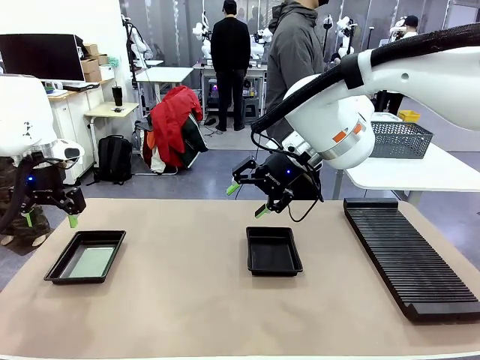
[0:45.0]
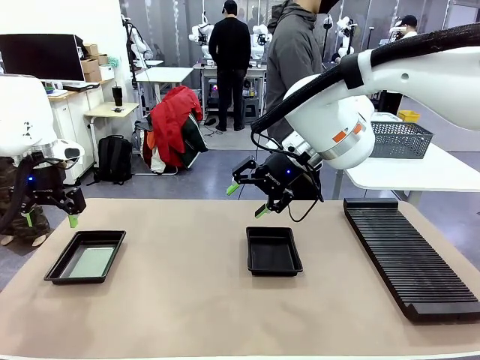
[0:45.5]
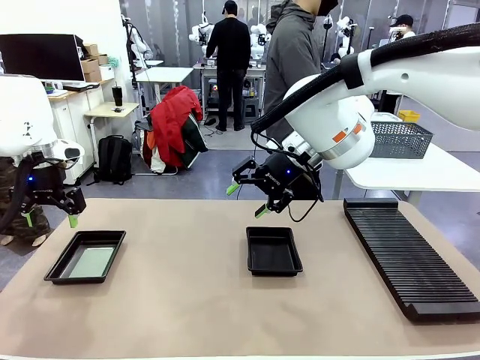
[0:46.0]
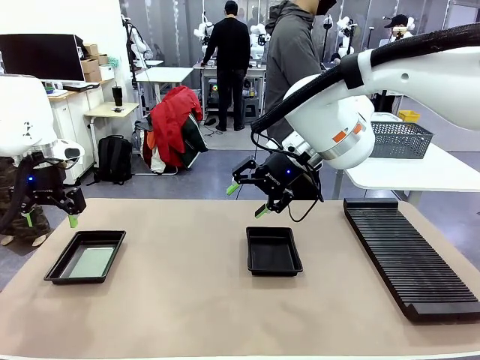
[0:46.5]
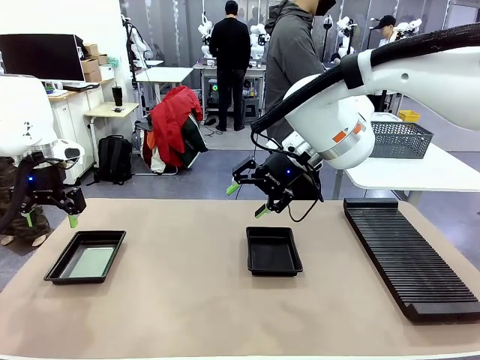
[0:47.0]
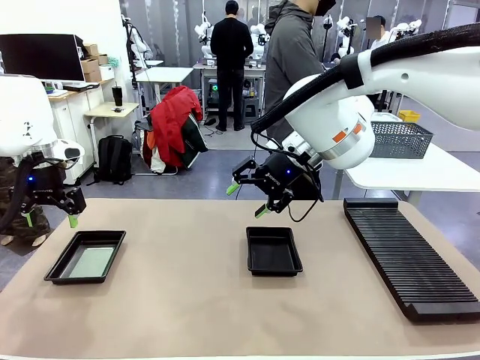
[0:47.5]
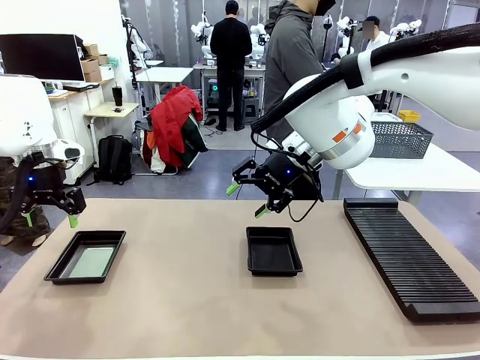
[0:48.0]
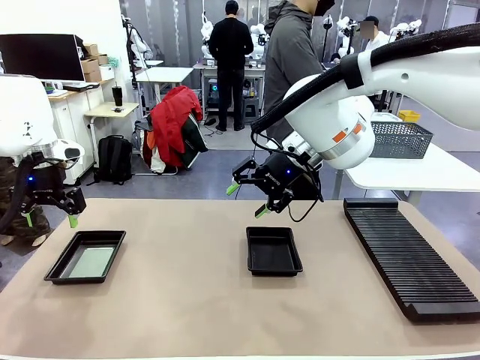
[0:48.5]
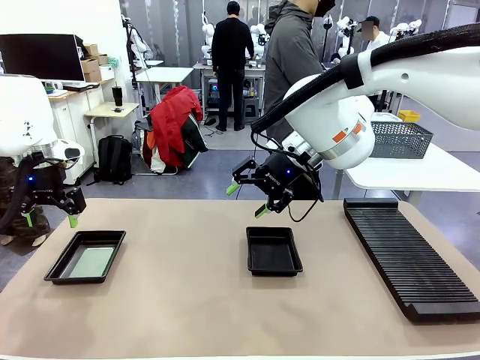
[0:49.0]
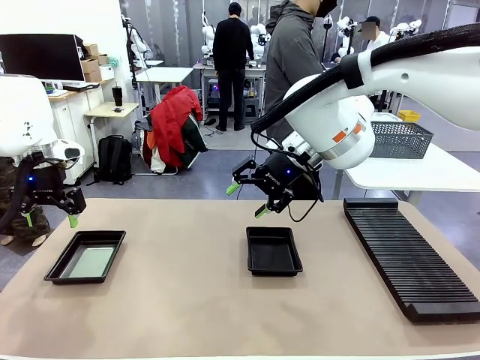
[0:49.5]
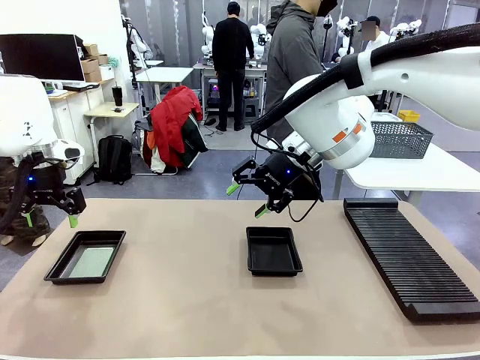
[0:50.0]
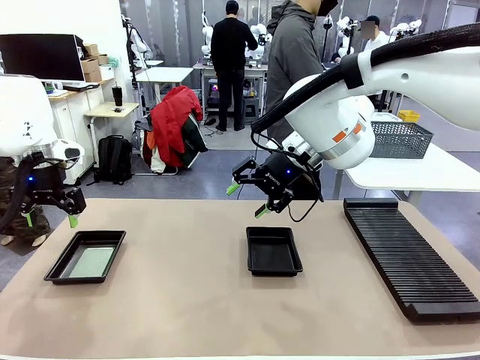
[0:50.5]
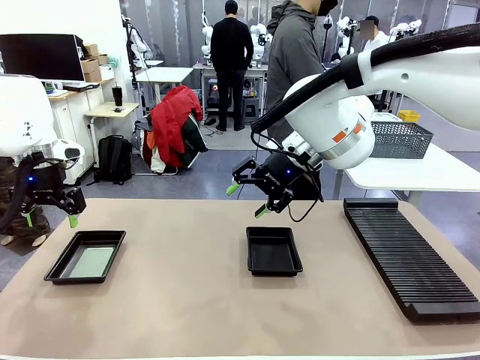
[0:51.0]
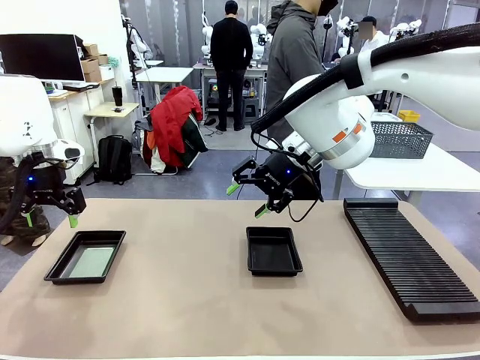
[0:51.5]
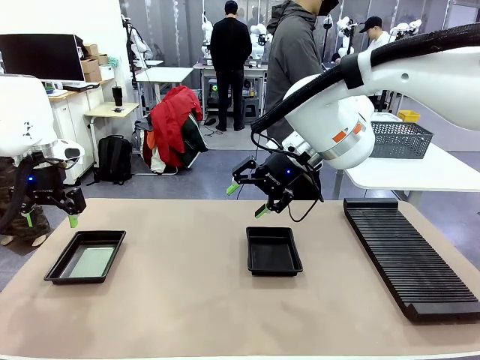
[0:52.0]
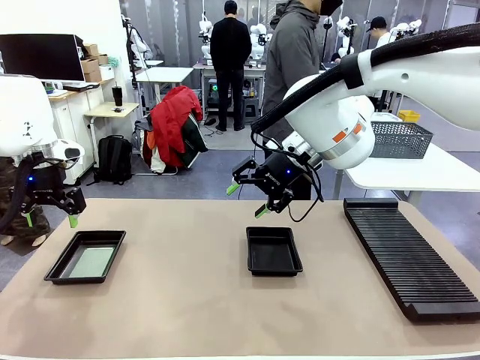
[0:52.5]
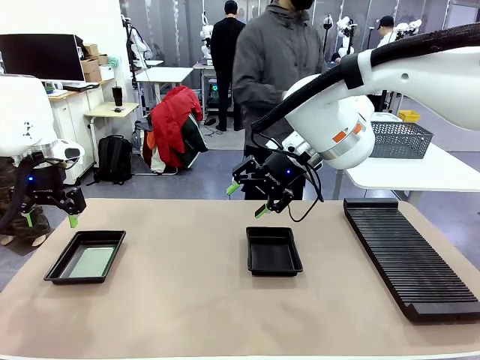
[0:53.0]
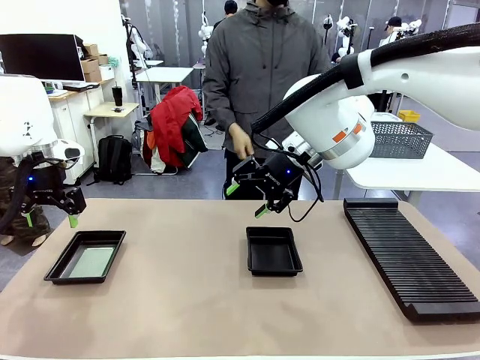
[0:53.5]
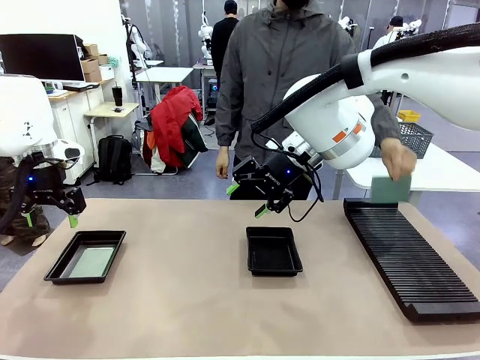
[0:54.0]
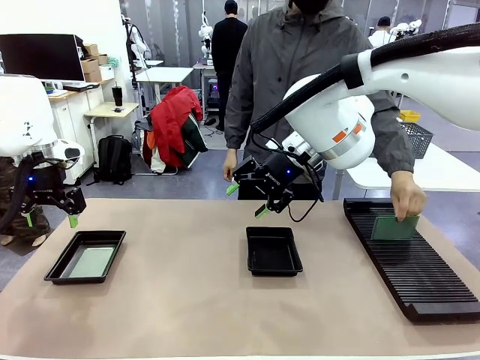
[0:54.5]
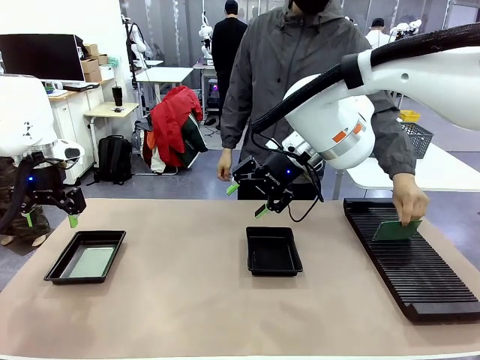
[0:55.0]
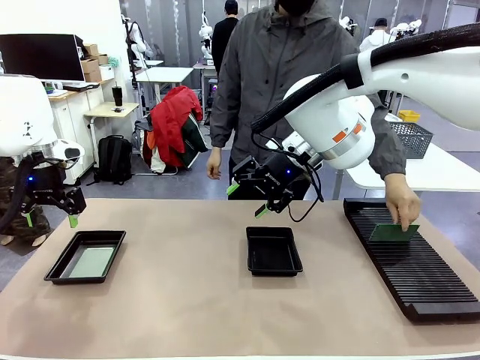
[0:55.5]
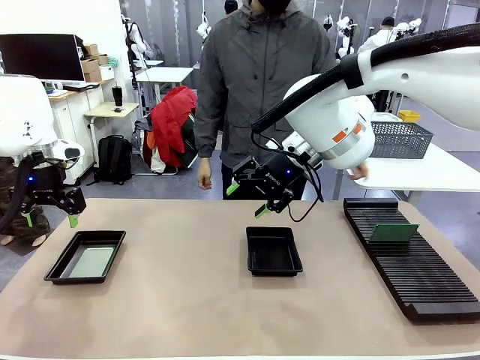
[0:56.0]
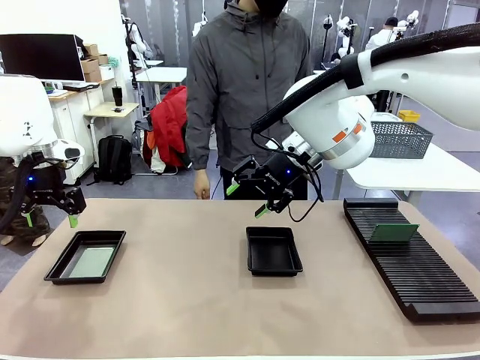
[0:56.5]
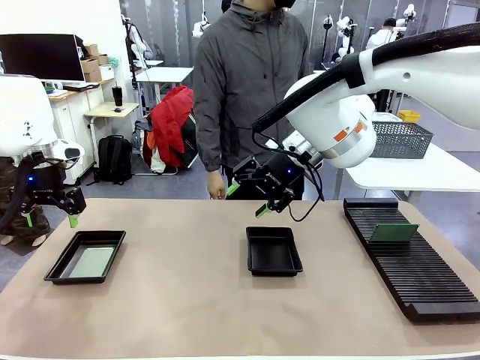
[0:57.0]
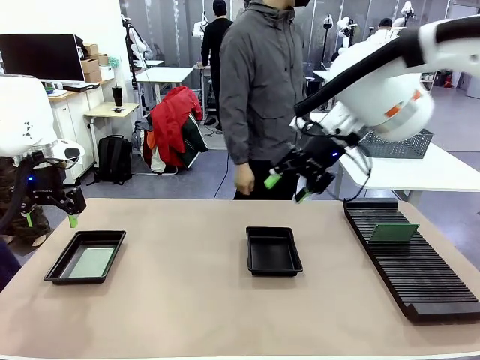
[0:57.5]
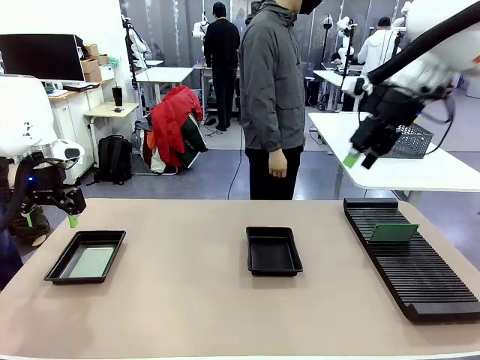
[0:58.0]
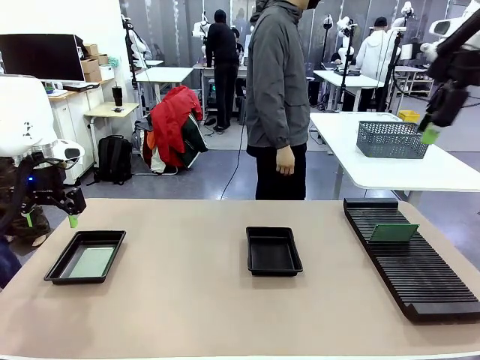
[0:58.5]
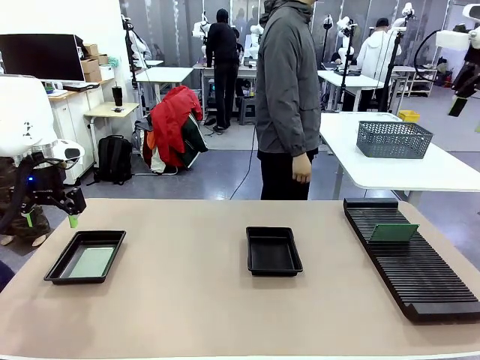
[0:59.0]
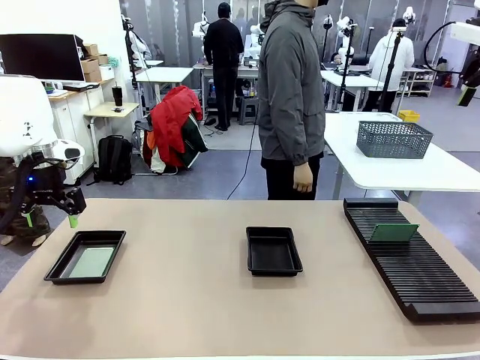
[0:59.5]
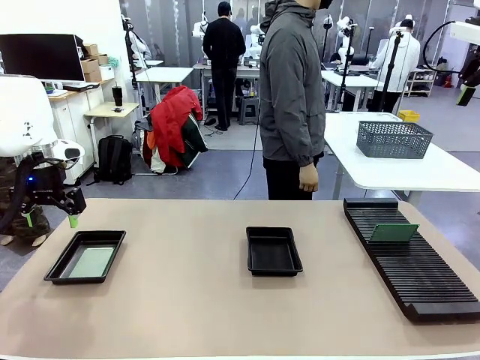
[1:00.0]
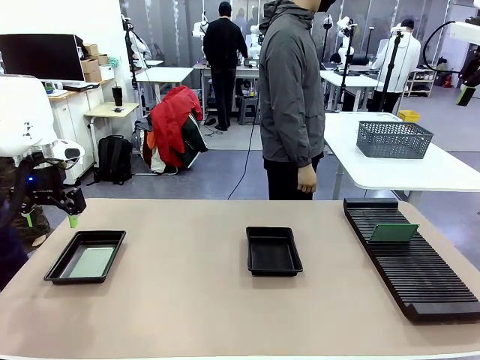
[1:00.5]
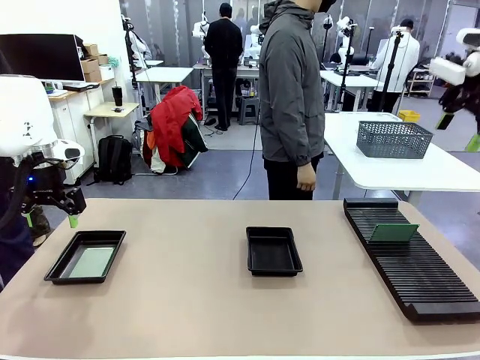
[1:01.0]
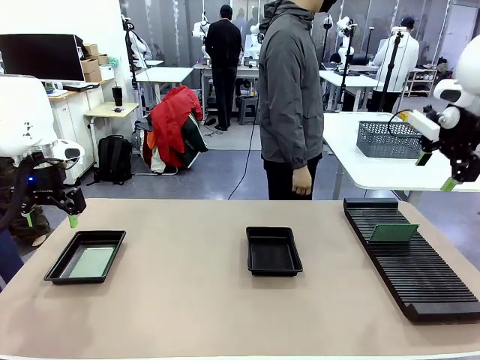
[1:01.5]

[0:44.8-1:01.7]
Task: Inspect and transfer BCBs to ESD trays.
Robot: Pick up the Blank PCB from the PCB Rack and place it in the right ESD tray.
